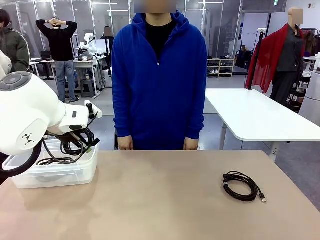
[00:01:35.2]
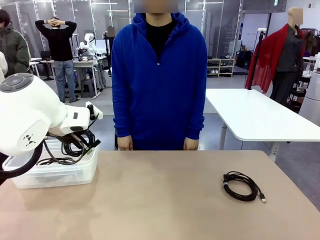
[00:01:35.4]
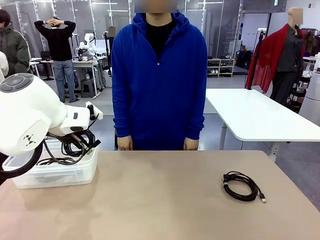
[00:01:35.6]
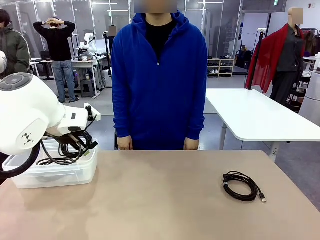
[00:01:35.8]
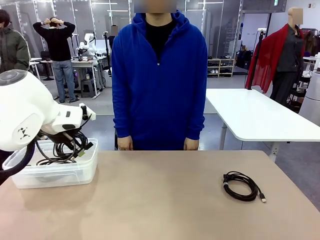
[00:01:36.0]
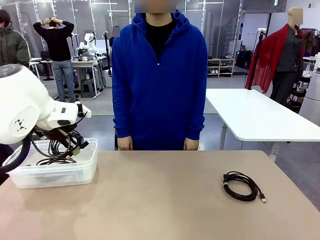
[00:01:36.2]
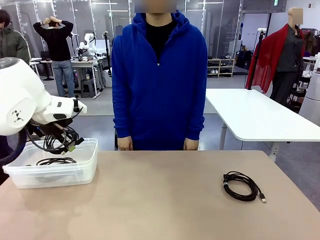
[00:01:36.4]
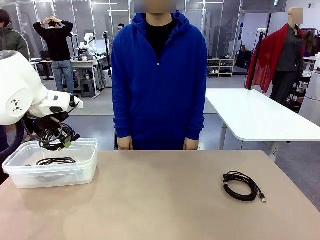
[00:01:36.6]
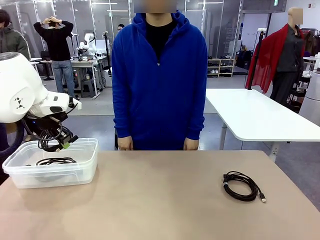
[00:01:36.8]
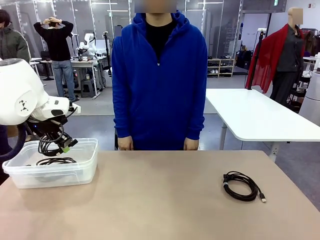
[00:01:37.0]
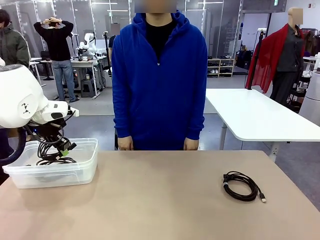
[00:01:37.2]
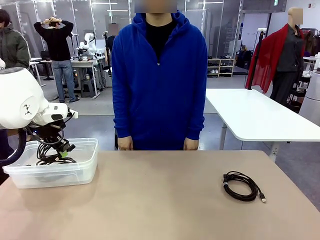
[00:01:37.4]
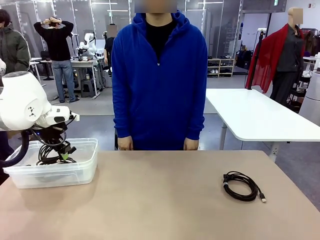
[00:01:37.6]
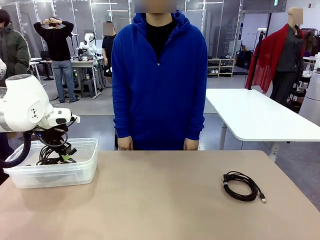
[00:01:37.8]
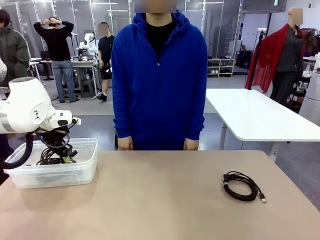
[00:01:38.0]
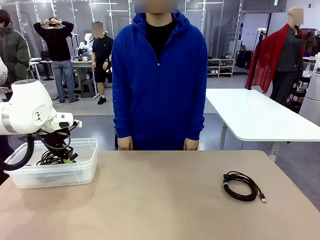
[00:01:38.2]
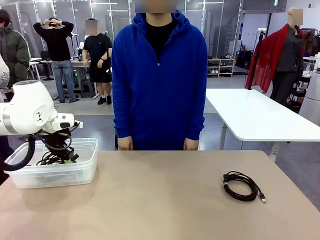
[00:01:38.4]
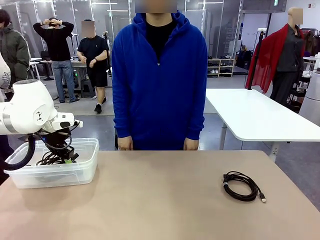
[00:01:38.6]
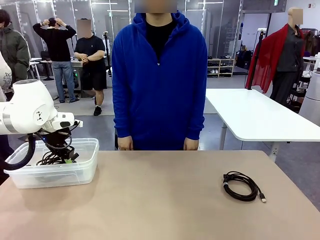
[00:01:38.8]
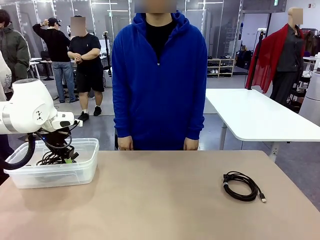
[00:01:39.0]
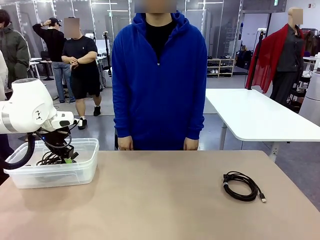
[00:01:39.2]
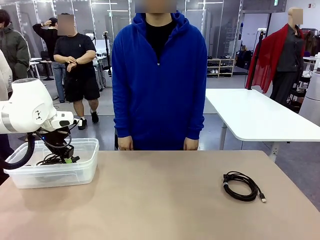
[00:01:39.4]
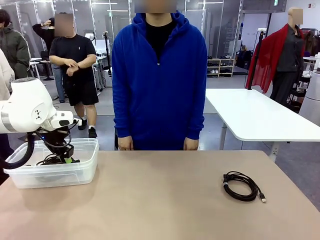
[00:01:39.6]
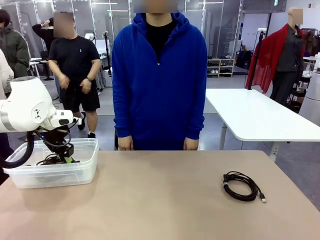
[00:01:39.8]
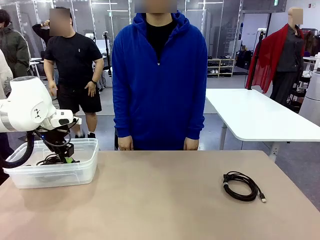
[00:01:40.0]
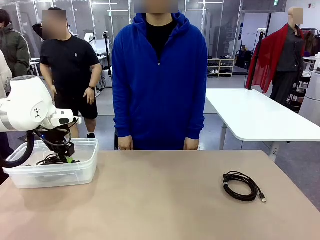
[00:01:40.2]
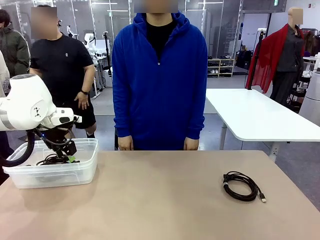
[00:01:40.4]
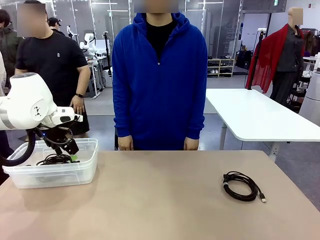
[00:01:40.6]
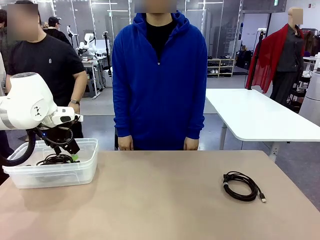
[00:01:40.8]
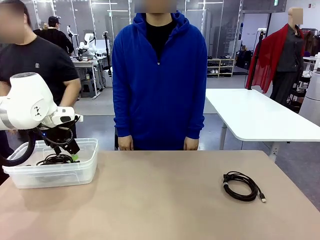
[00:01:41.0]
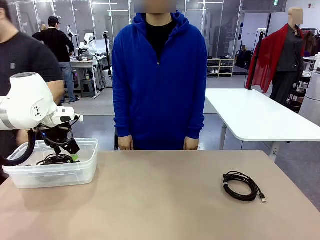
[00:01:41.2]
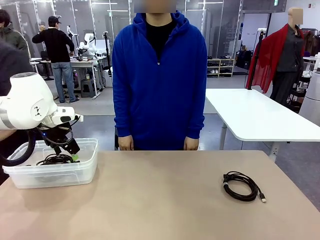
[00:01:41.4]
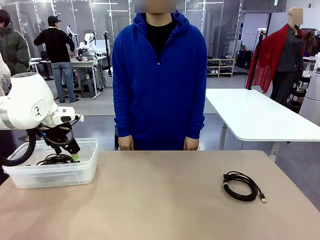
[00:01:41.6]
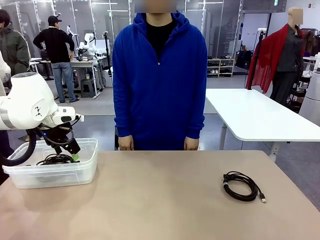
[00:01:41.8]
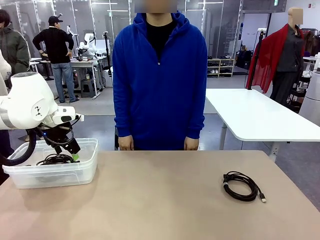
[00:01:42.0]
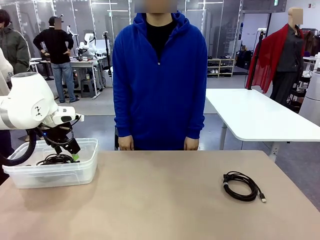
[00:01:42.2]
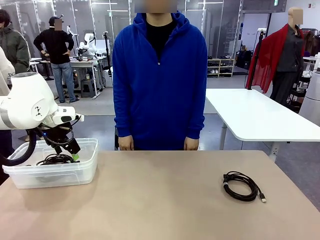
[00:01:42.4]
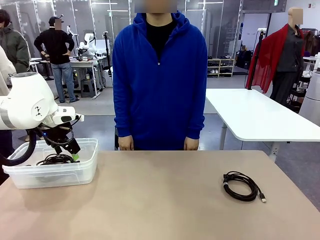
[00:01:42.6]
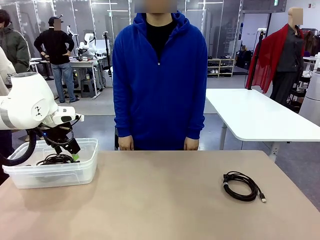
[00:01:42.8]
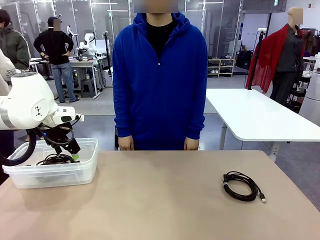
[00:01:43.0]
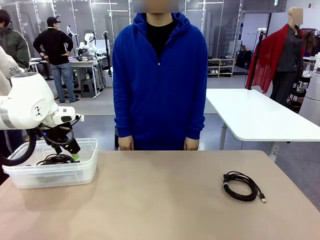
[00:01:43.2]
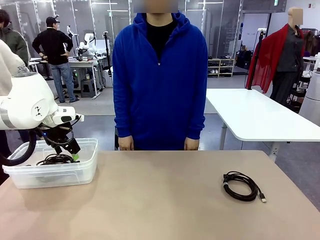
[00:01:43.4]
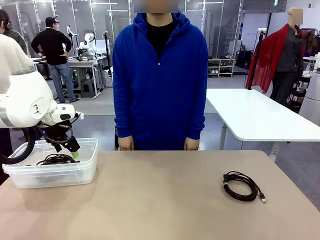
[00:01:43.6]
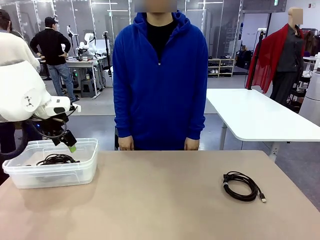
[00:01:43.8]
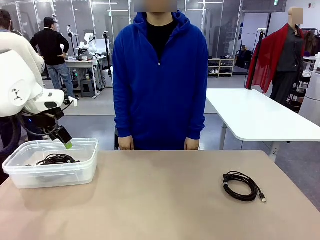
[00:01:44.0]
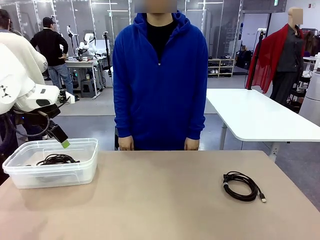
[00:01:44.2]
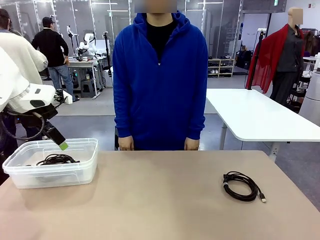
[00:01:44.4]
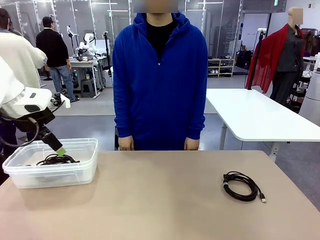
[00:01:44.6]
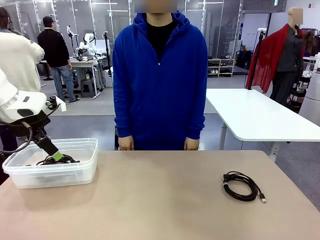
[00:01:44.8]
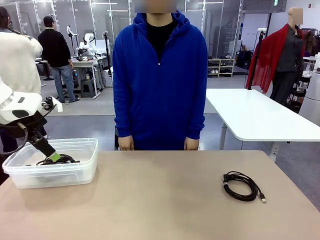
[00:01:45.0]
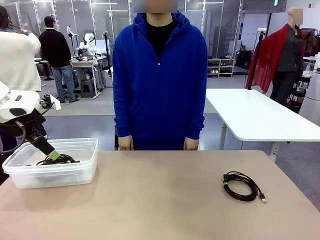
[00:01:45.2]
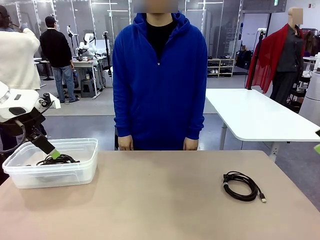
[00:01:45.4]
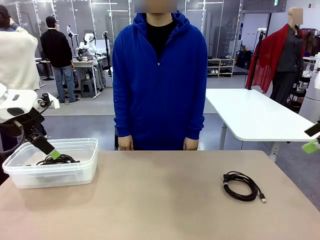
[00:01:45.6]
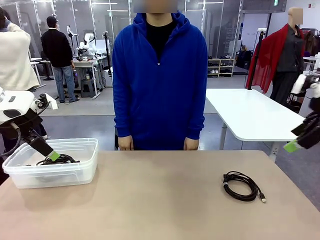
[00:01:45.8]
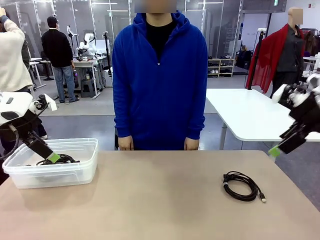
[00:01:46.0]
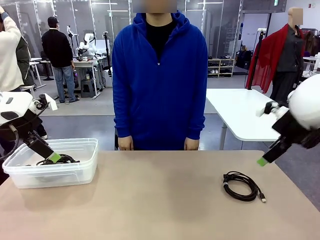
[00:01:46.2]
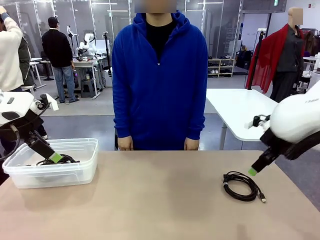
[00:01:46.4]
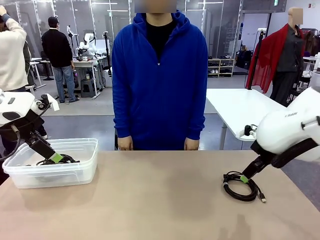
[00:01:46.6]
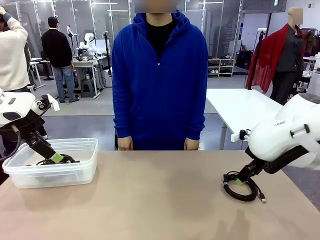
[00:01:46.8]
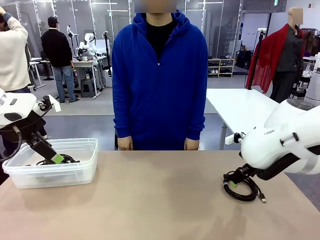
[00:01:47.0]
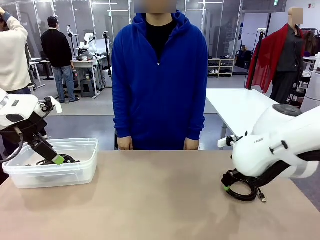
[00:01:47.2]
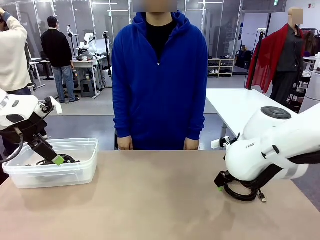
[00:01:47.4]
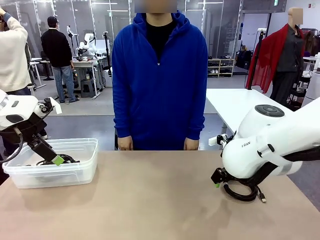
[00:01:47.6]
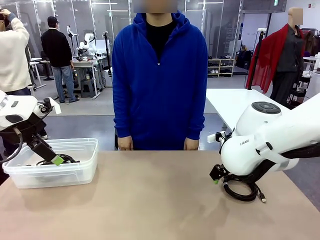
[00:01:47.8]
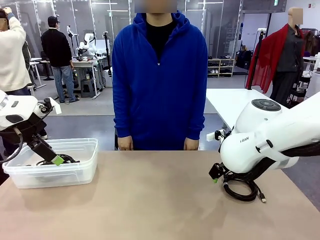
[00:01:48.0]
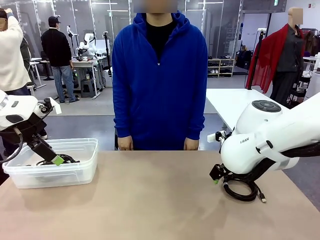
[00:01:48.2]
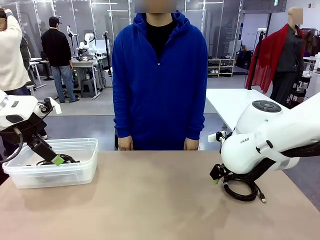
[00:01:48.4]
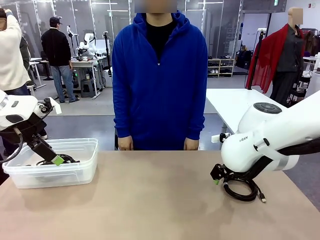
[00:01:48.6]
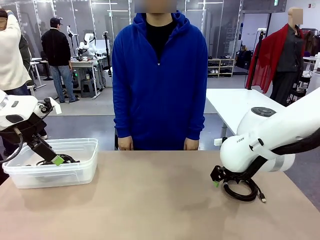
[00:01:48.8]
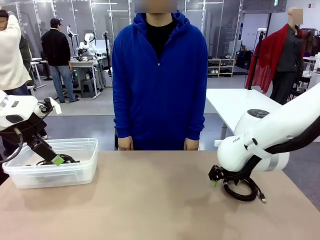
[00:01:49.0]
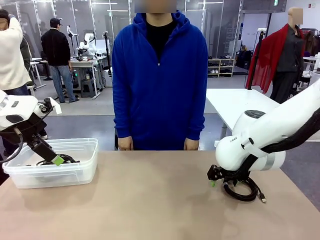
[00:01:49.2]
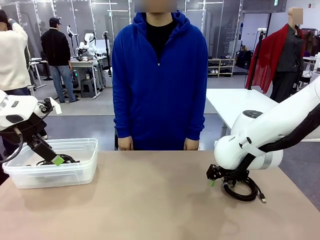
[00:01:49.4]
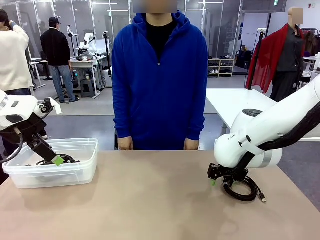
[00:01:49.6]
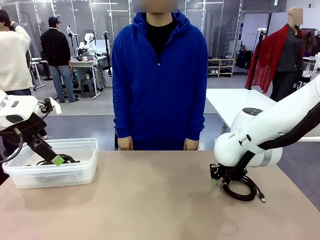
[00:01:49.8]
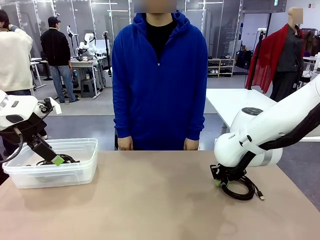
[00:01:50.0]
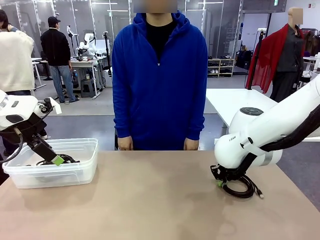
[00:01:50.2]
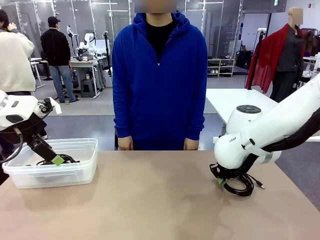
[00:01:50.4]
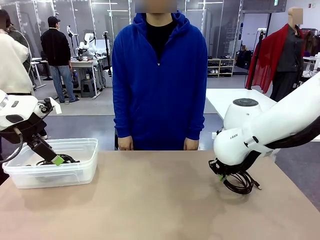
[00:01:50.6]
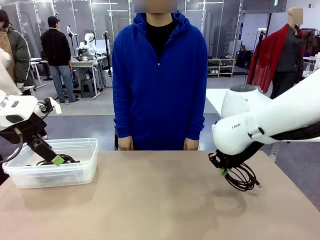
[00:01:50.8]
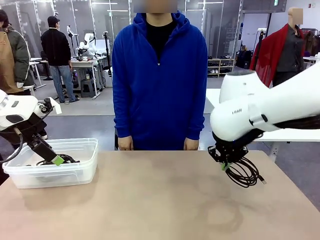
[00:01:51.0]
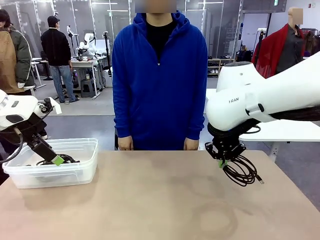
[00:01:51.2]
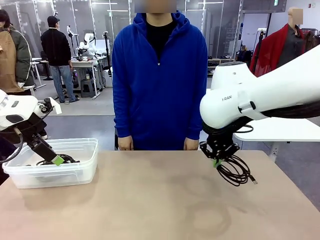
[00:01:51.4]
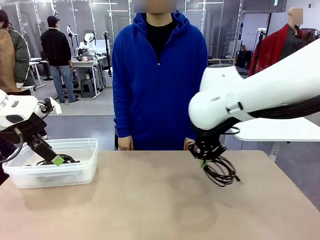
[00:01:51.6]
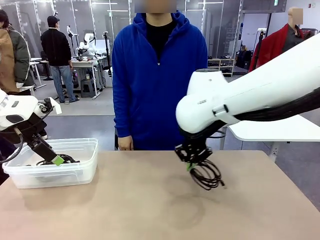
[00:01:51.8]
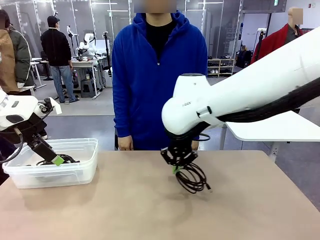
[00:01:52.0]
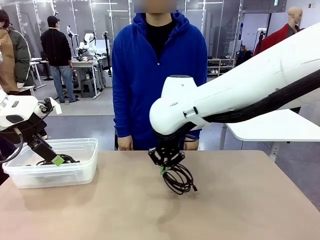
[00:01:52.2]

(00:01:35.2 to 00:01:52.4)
Task: Organize and store the cables.
Robot: Place the USB Extension Cable into the Organizing box.
